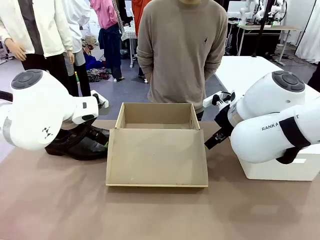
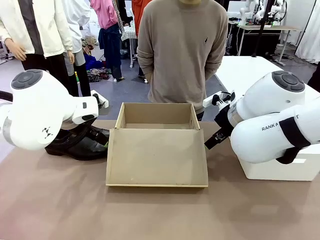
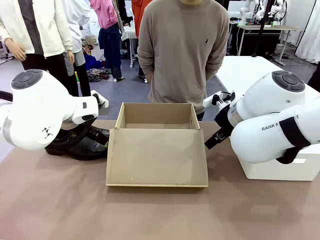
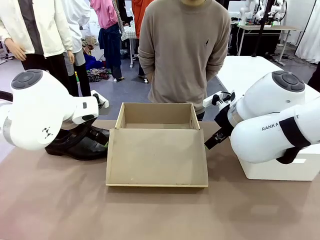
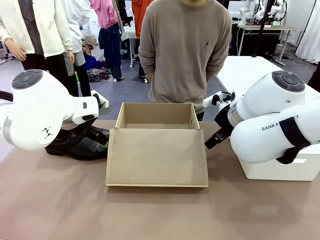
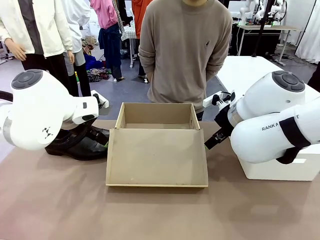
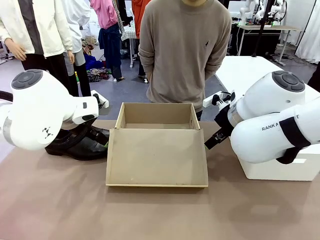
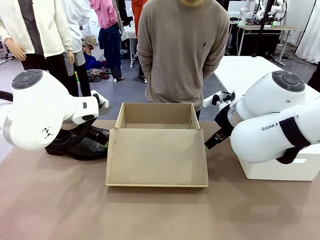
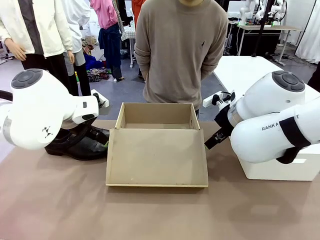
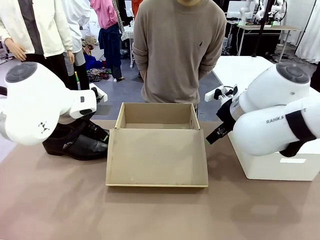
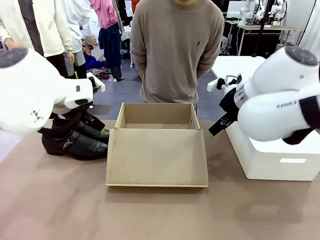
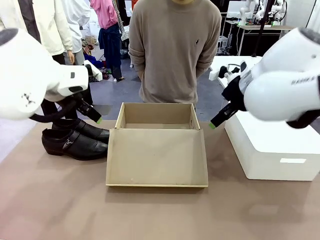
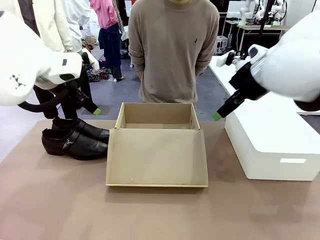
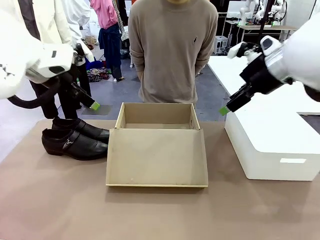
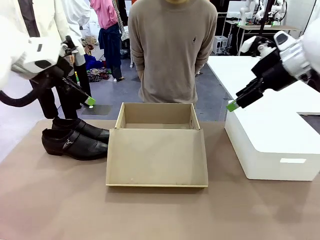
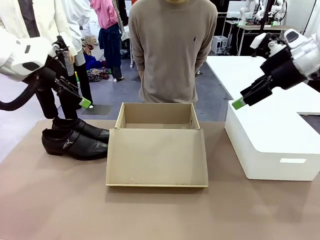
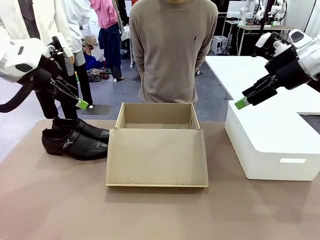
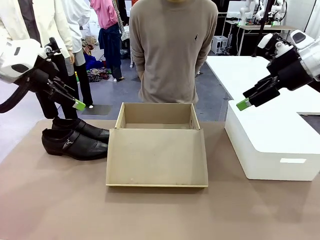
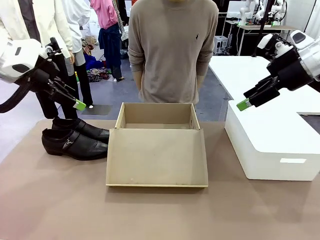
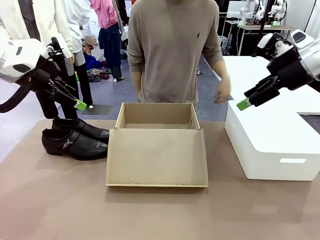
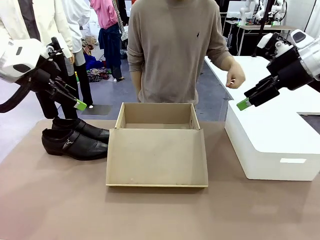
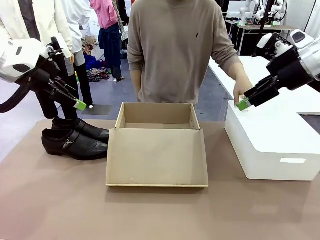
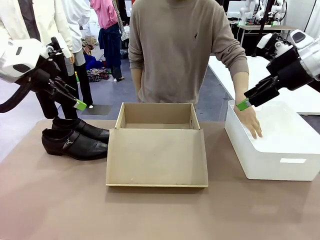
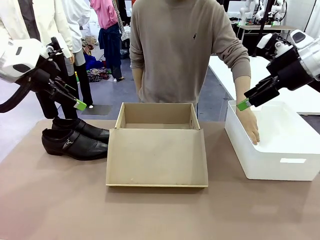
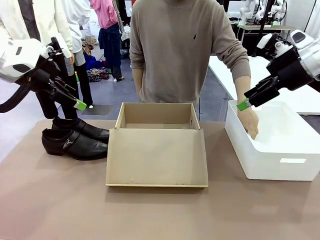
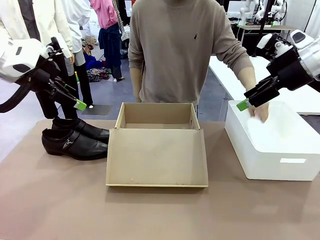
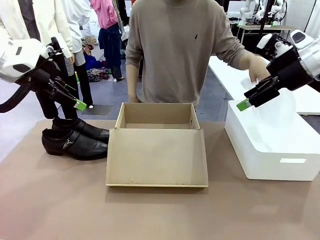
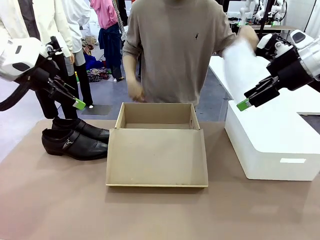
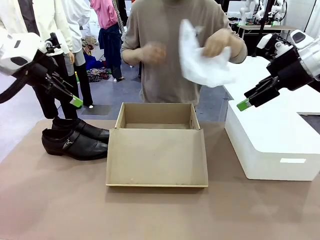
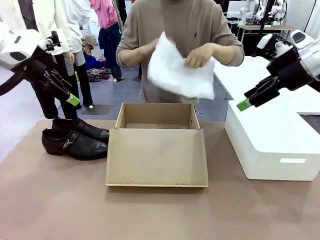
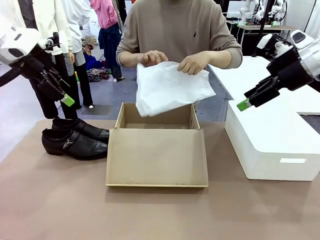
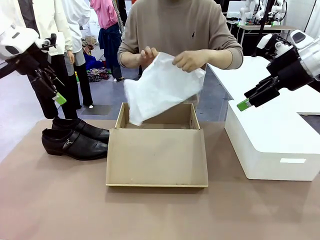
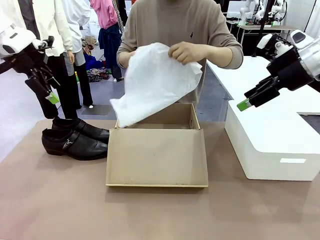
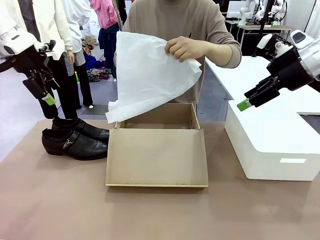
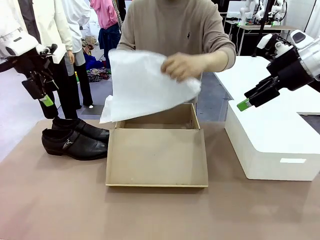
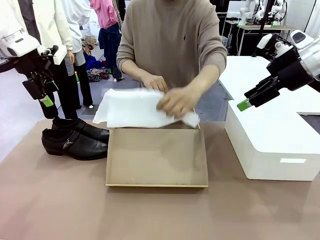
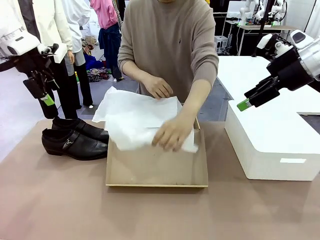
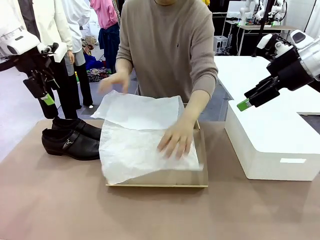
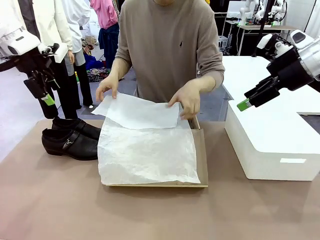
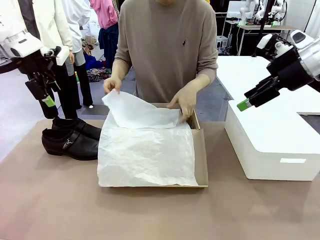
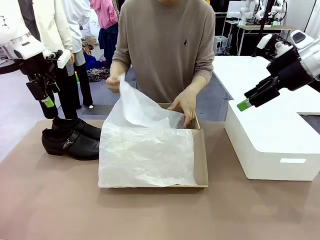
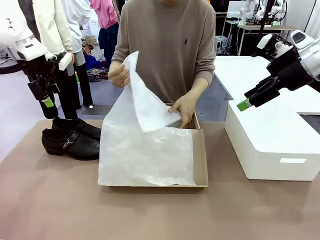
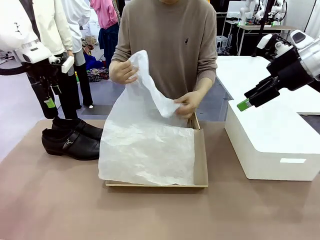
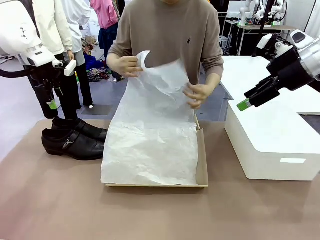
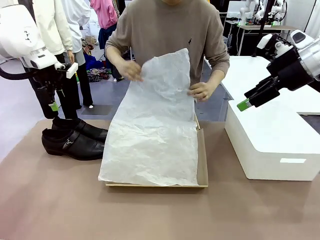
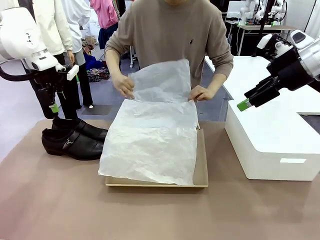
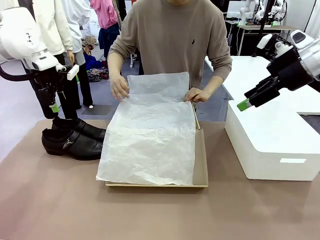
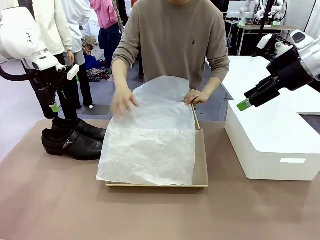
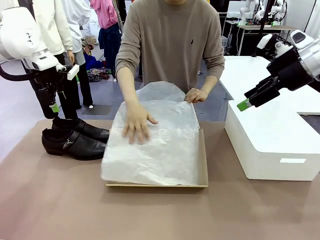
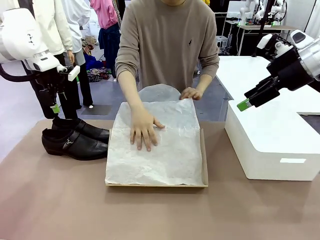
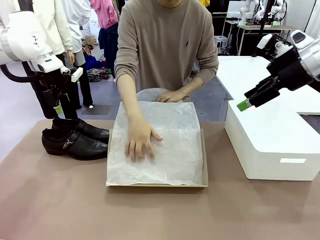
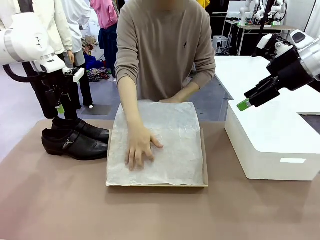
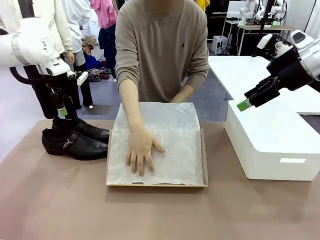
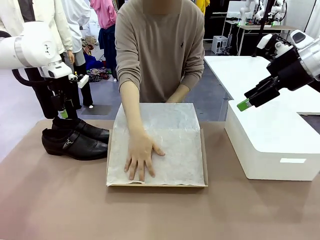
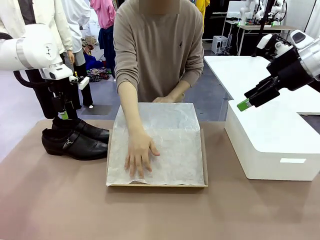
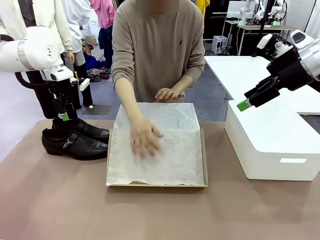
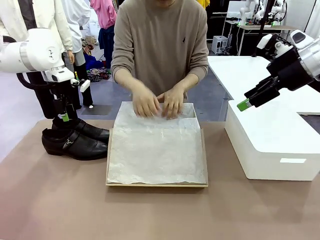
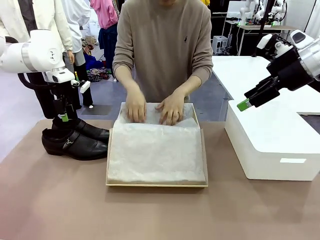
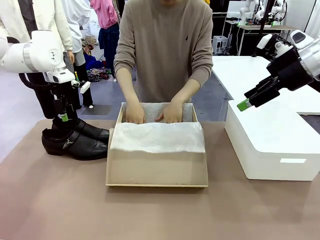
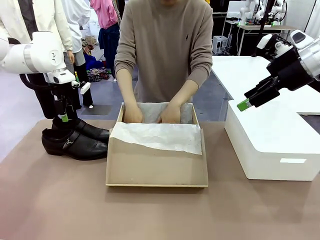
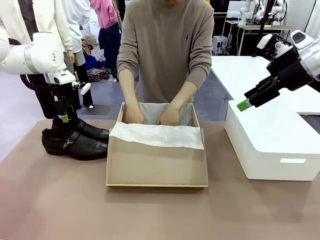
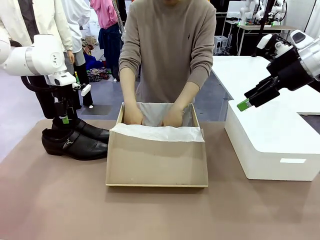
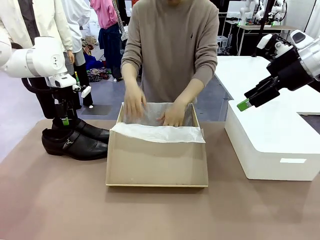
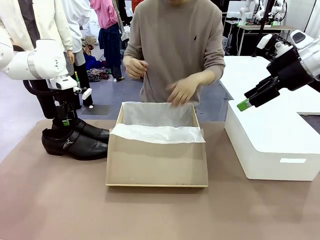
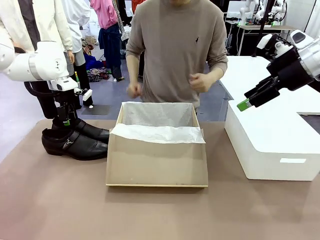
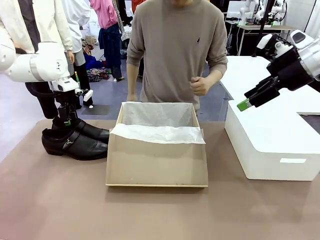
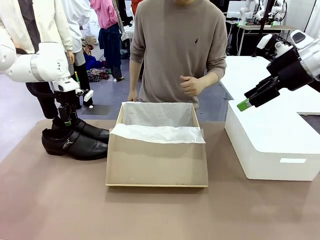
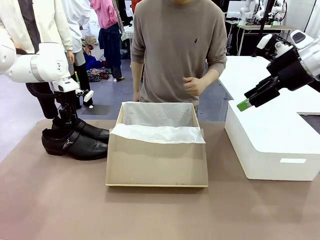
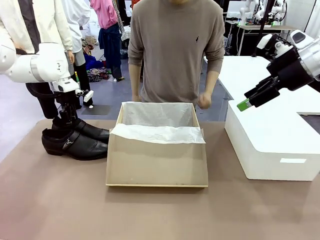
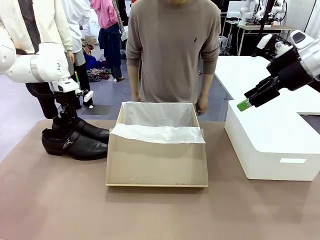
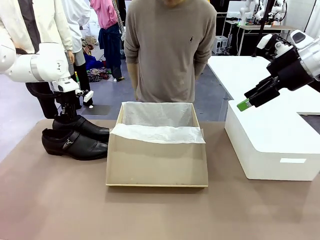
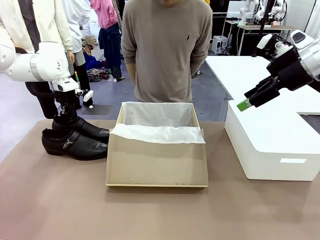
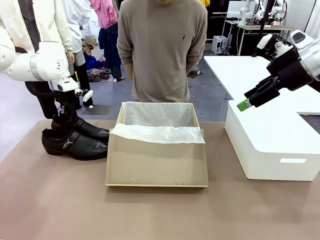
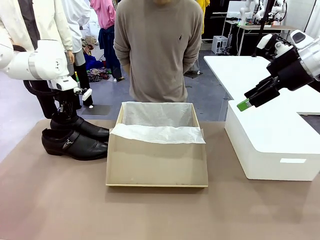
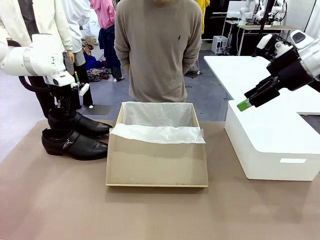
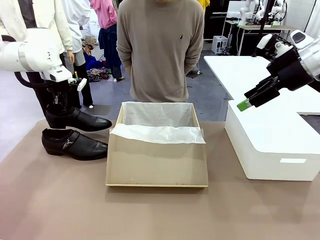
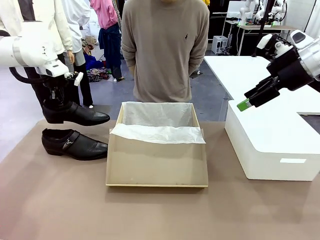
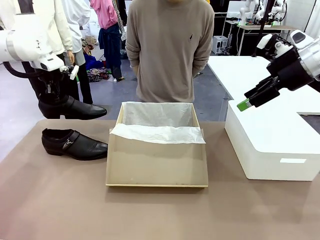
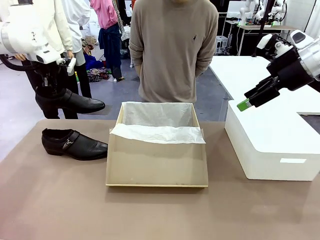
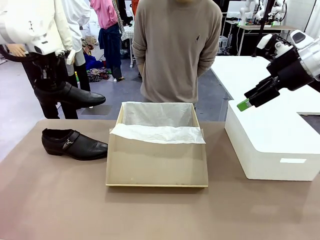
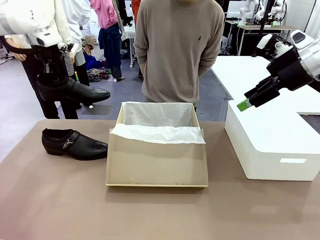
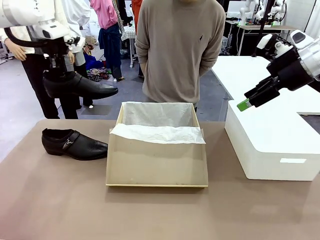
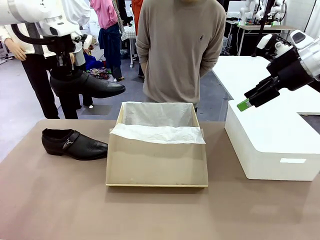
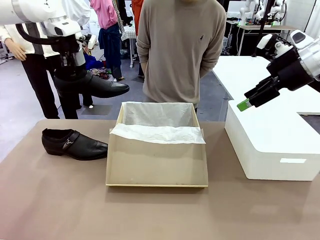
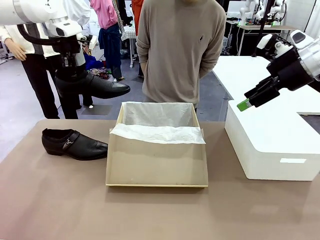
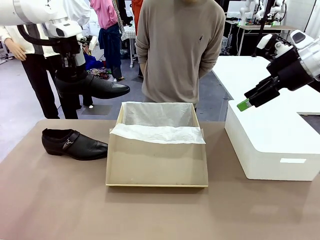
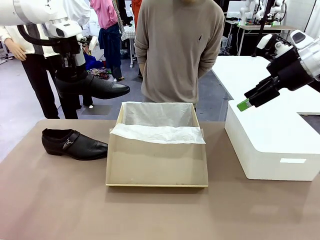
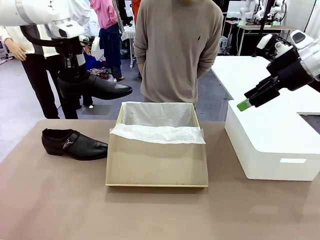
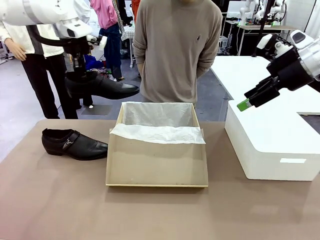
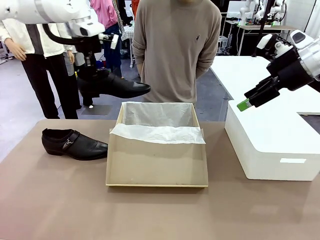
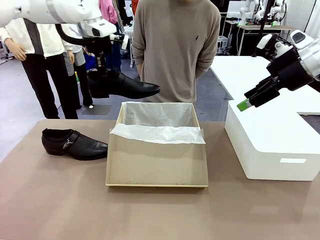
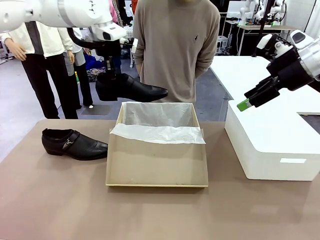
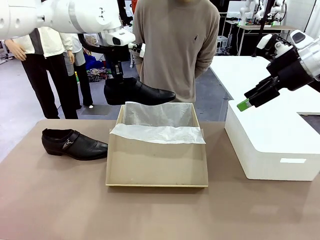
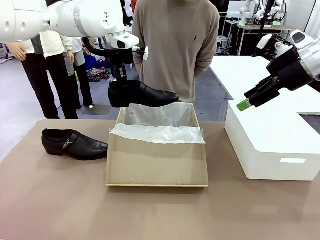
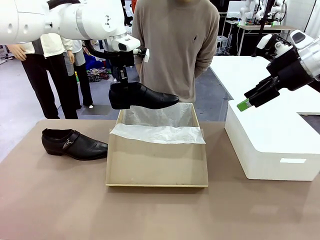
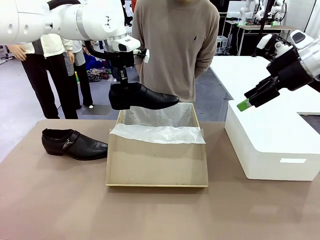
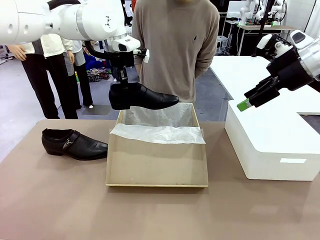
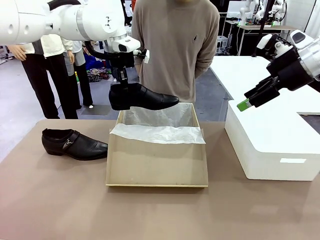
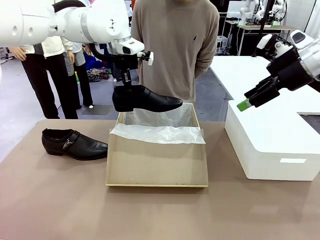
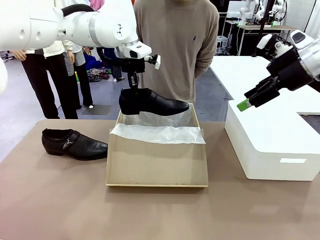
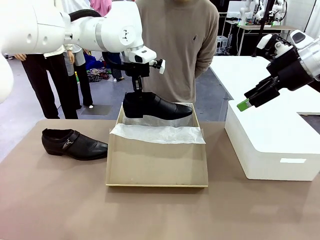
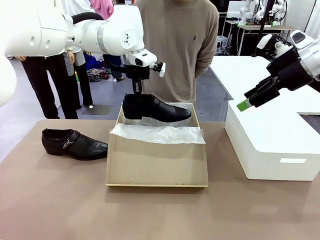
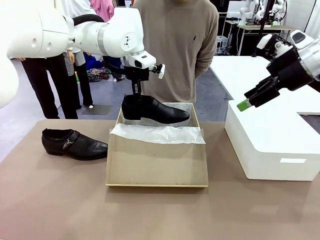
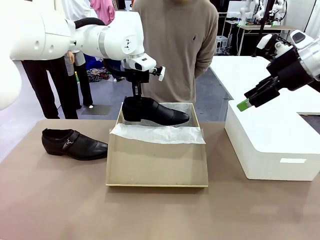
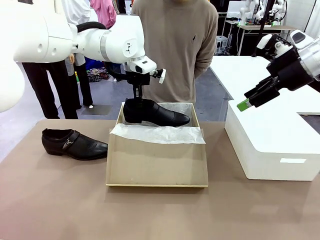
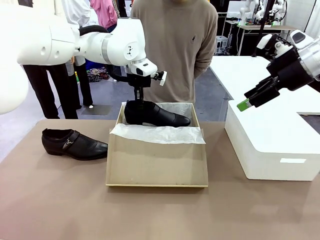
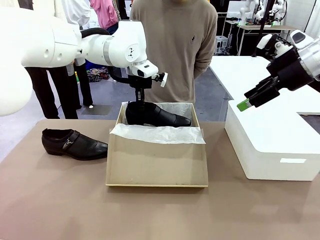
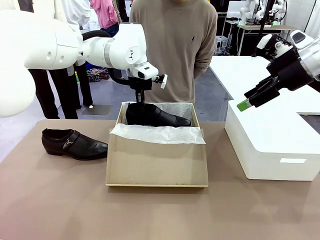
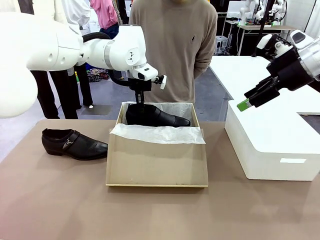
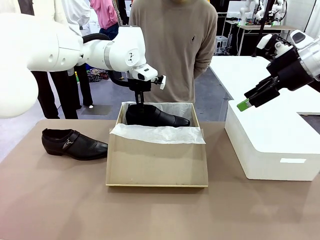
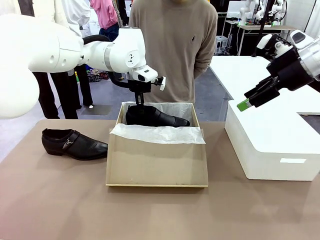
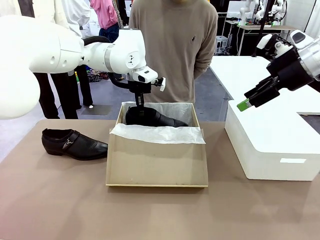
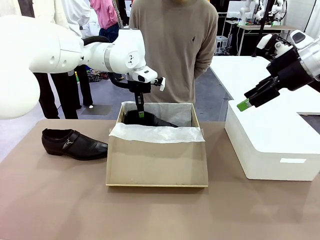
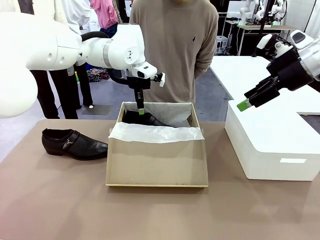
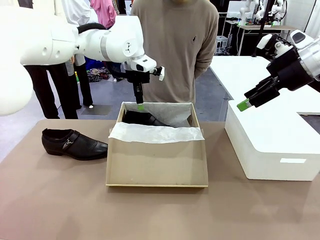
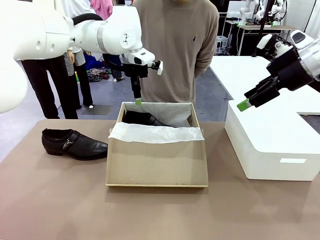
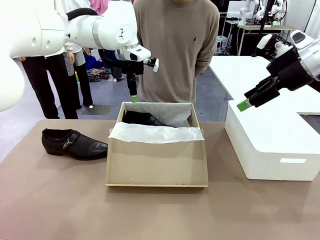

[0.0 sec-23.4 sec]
Task: Pack the shoes into the box.
Robot: Place one shoe of the Shoes into the Shoes Box.
Person: Spread Shoes Wrapping Paper and place inside the Shoes Box.
